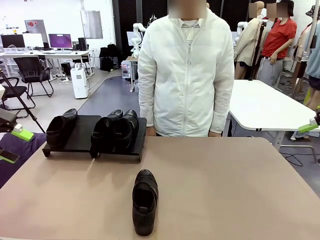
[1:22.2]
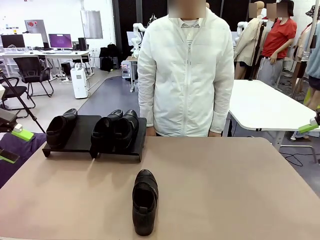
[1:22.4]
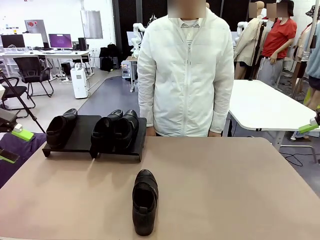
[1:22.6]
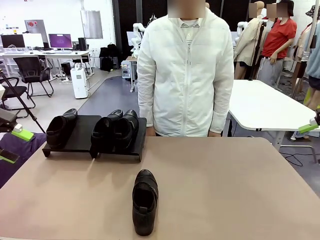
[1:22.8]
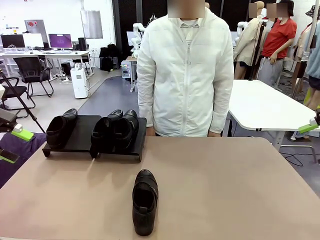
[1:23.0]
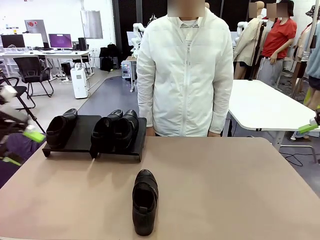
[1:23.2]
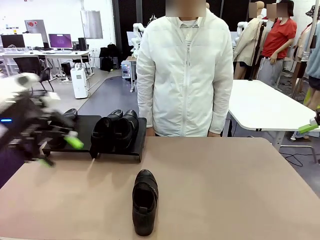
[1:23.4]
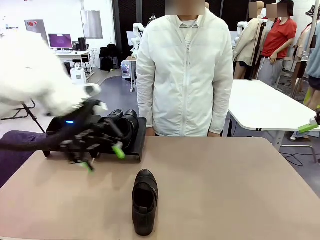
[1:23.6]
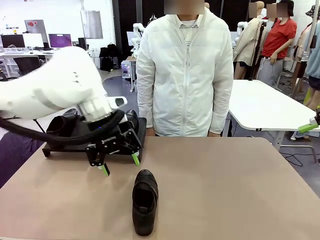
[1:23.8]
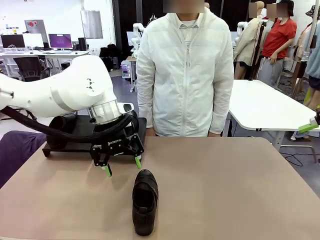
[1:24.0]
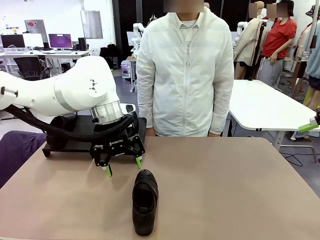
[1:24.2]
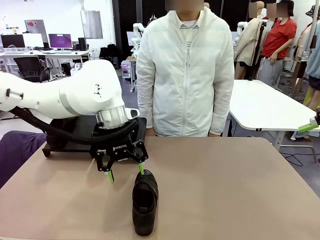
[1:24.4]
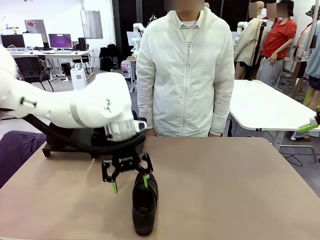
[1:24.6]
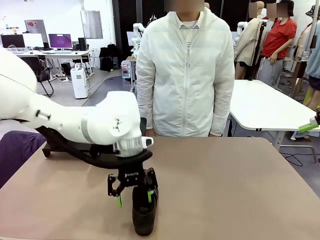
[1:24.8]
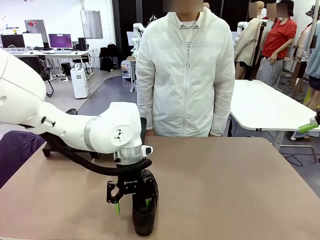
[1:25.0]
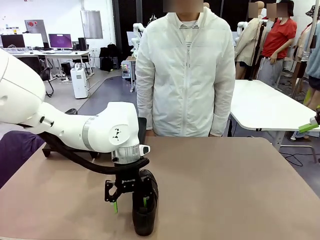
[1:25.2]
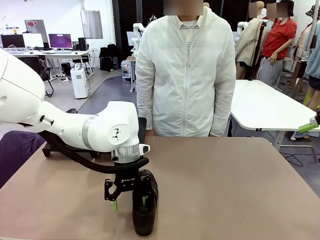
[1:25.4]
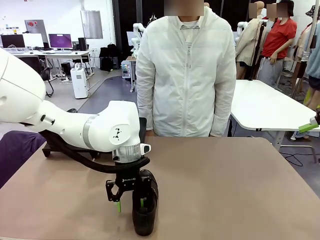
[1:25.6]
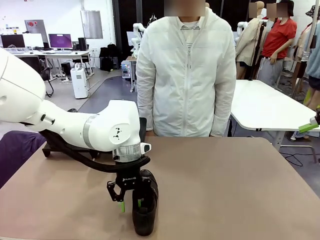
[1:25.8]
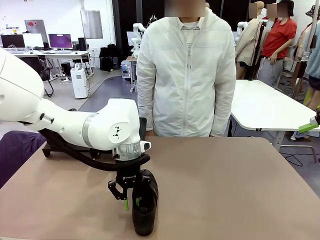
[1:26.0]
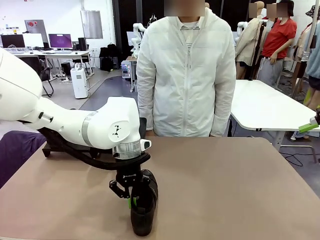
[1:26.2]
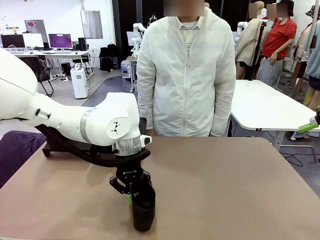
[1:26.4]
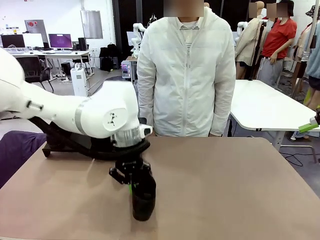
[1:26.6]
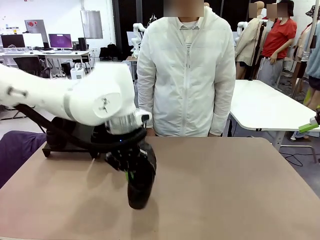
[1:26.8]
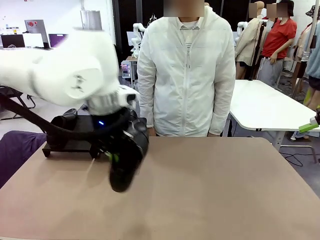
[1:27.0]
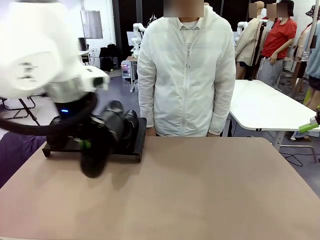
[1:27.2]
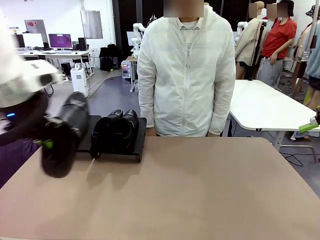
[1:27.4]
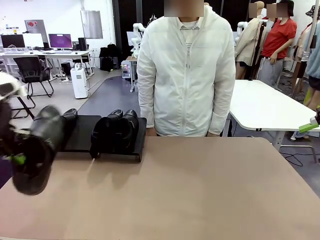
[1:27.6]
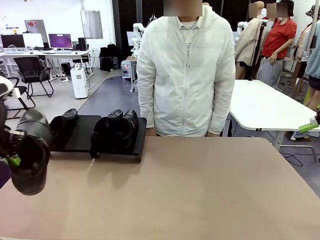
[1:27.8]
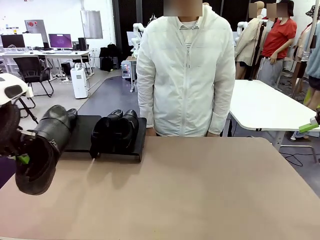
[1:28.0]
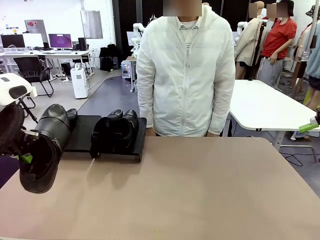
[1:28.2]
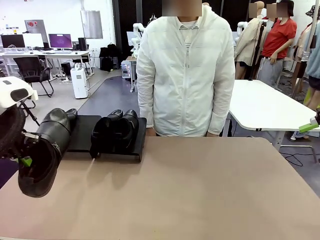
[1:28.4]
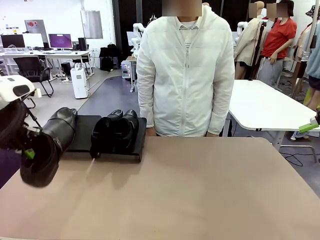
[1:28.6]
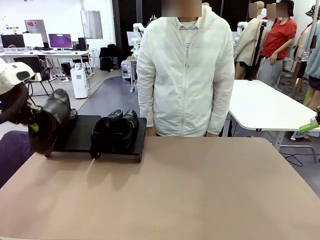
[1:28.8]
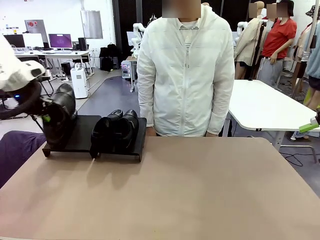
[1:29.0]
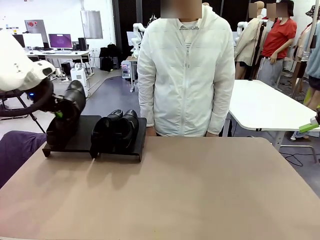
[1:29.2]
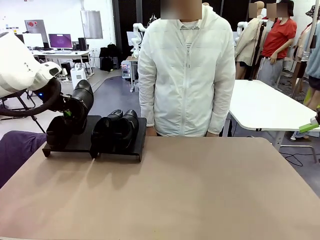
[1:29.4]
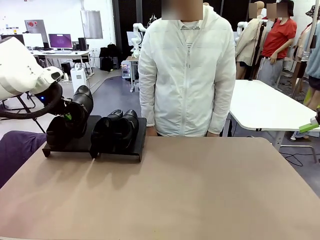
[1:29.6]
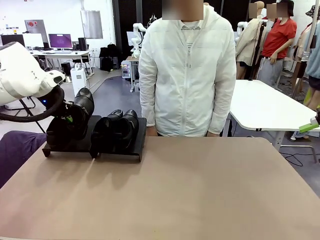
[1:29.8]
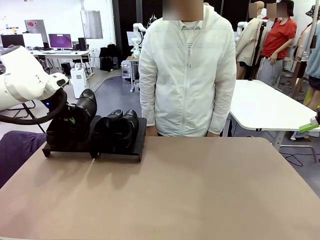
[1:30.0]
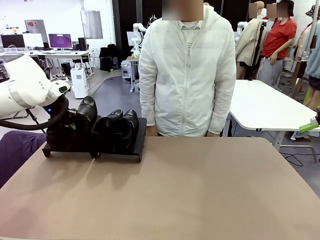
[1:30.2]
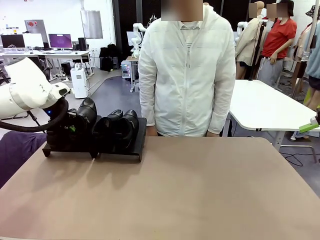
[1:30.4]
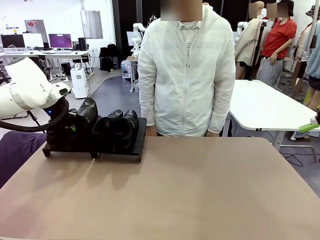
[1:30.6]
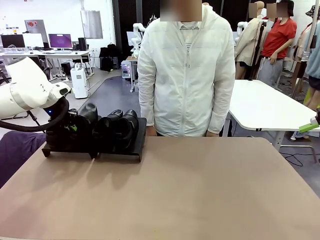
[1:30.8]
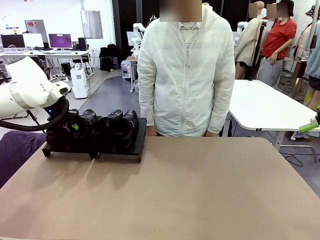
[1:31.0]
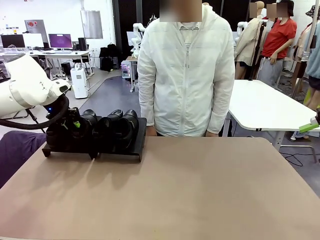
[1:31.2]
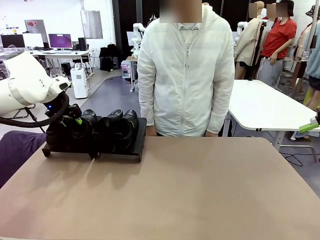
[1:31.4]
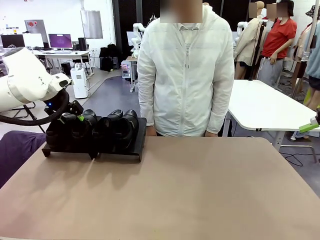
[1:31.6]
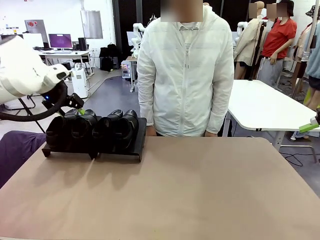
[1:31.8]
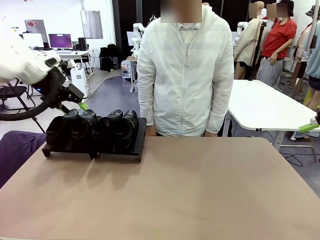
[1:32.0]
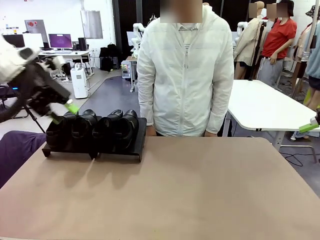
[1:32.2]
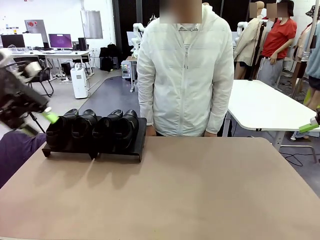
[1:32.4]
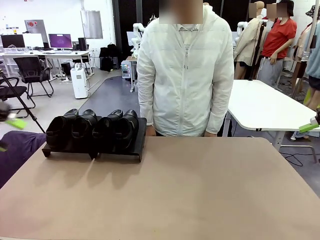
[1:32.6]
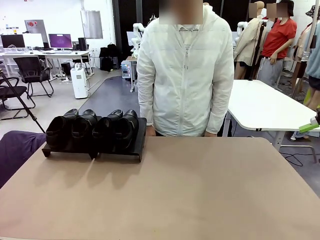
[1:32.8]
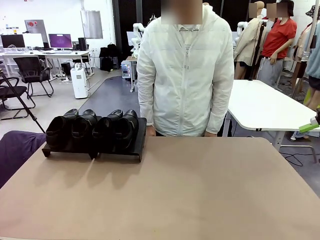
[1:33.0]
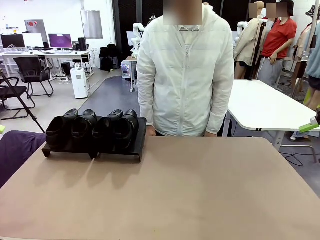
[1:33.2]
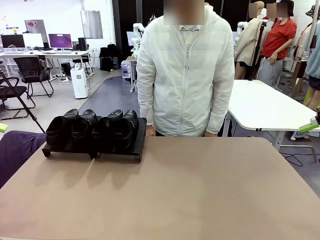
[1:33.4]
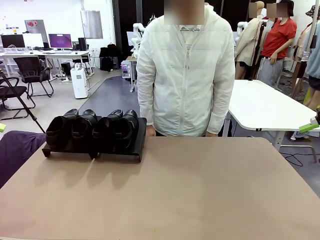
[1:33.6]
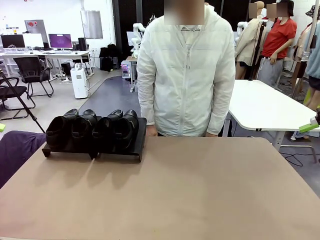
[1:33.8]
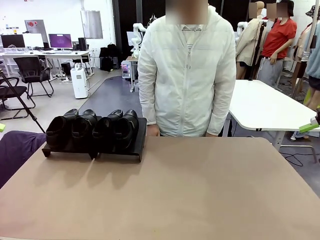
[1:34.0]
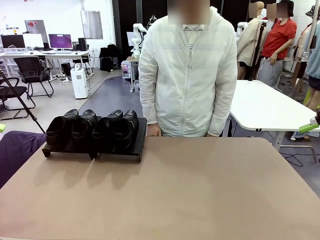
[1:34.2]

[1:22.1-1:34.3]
Task: Organize the shoes by placing them on the stand.
Robot: Place the Shoe from the middle of the table onto the Shoes Stand.

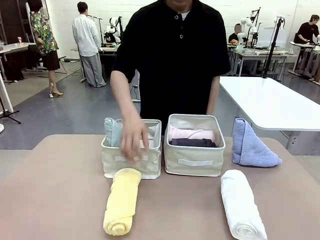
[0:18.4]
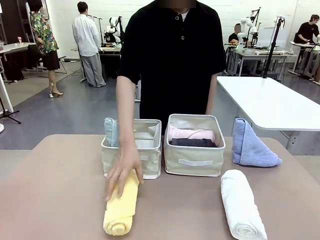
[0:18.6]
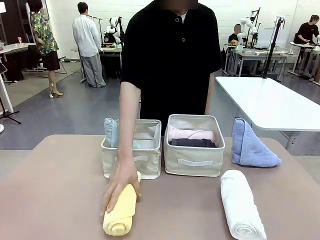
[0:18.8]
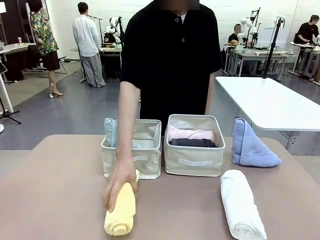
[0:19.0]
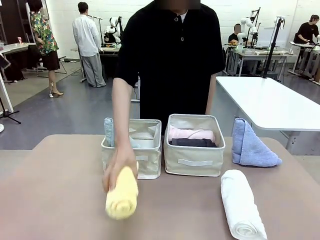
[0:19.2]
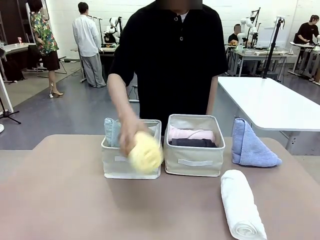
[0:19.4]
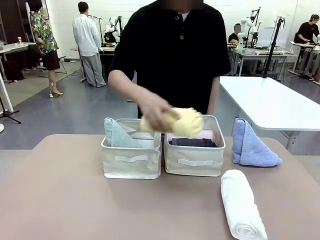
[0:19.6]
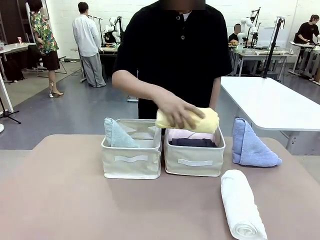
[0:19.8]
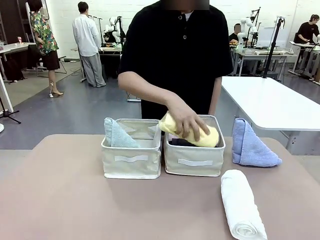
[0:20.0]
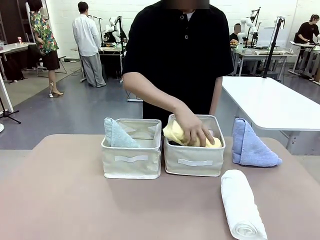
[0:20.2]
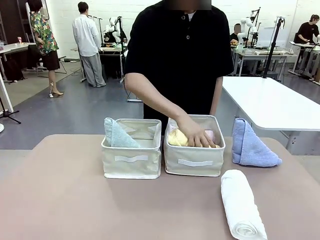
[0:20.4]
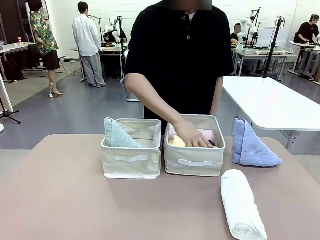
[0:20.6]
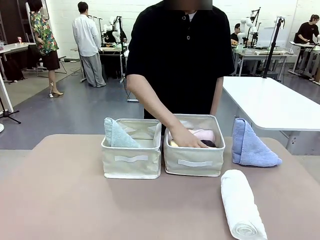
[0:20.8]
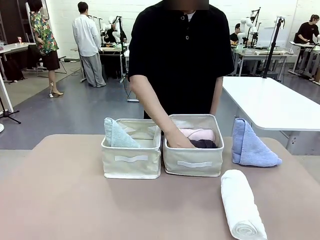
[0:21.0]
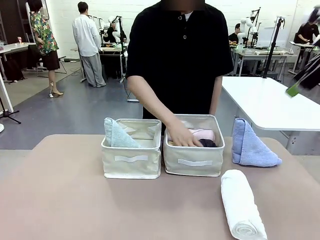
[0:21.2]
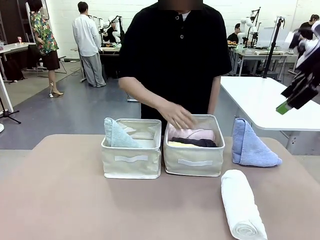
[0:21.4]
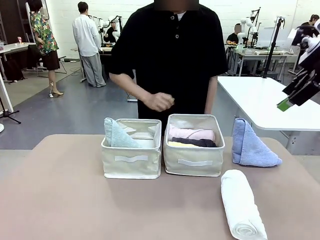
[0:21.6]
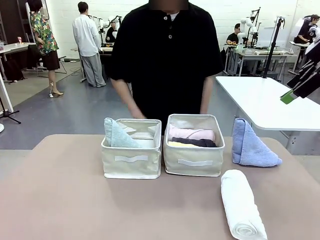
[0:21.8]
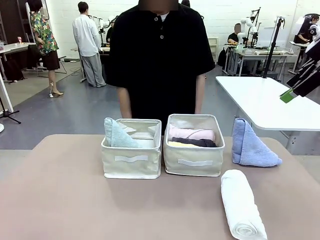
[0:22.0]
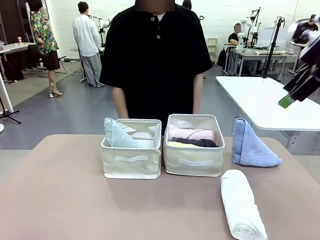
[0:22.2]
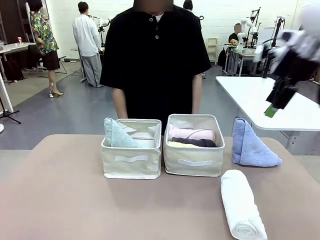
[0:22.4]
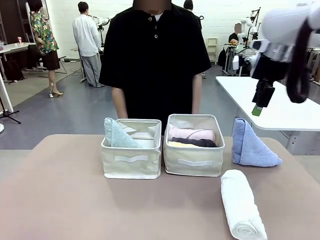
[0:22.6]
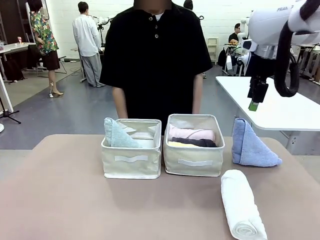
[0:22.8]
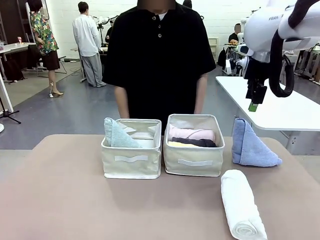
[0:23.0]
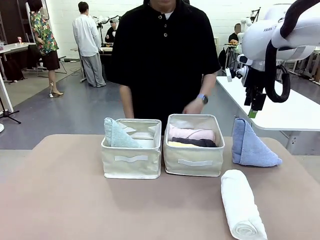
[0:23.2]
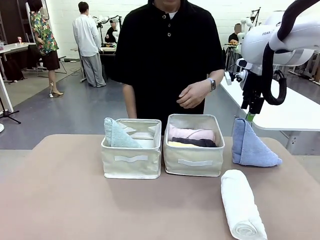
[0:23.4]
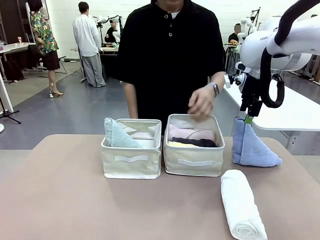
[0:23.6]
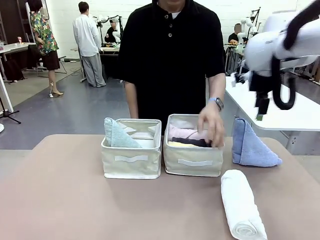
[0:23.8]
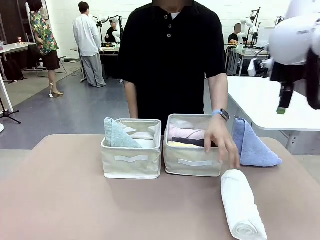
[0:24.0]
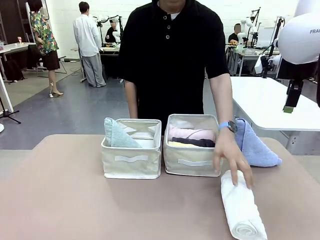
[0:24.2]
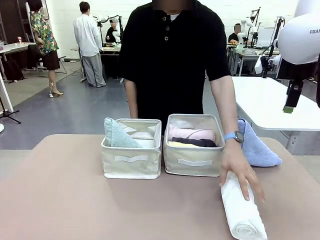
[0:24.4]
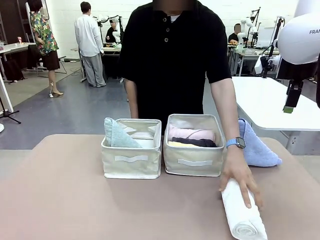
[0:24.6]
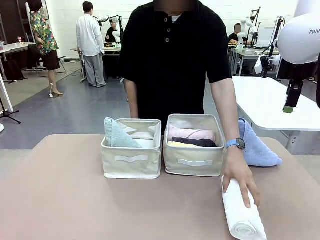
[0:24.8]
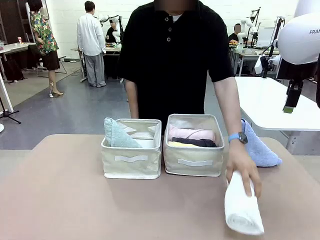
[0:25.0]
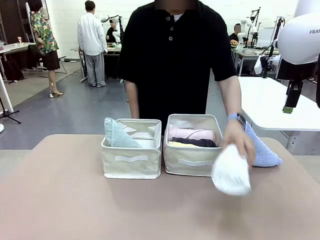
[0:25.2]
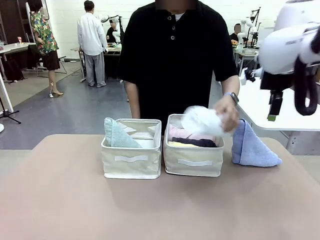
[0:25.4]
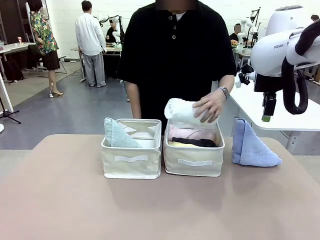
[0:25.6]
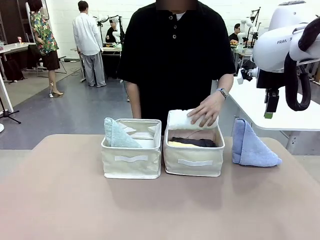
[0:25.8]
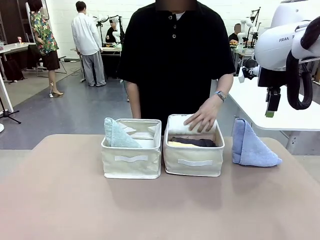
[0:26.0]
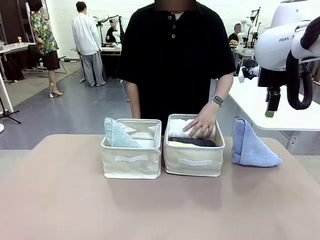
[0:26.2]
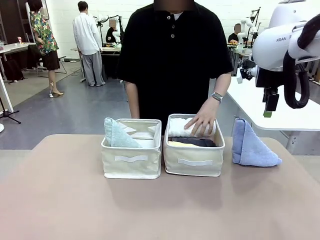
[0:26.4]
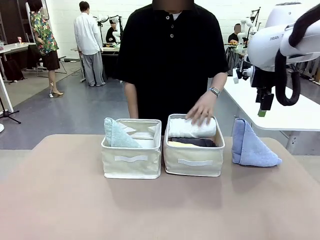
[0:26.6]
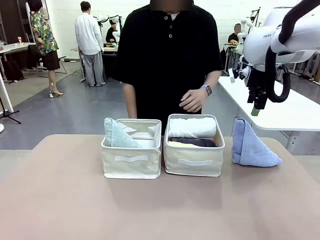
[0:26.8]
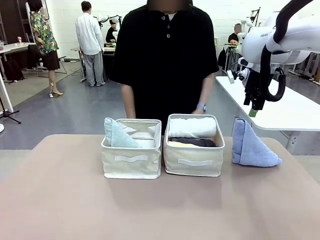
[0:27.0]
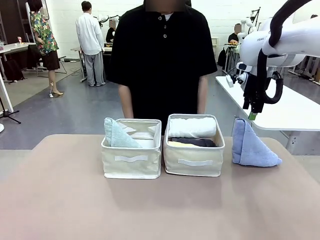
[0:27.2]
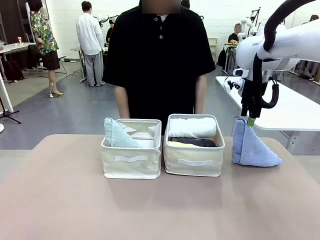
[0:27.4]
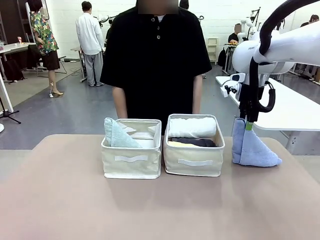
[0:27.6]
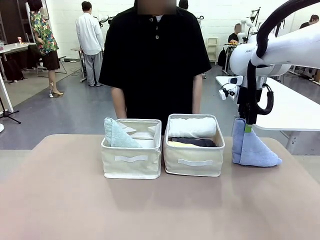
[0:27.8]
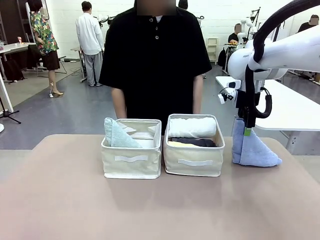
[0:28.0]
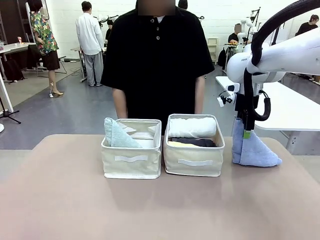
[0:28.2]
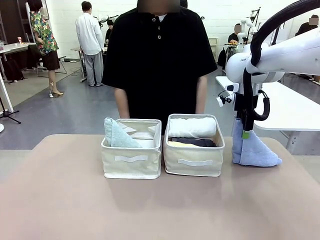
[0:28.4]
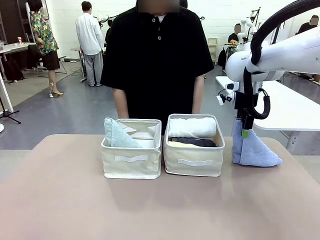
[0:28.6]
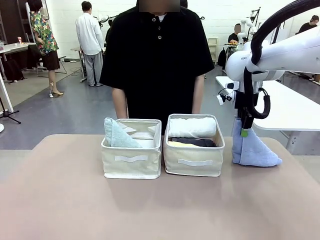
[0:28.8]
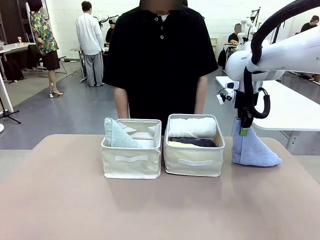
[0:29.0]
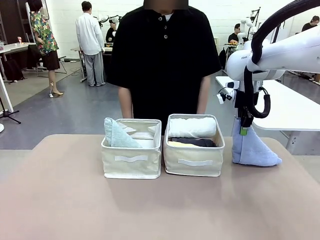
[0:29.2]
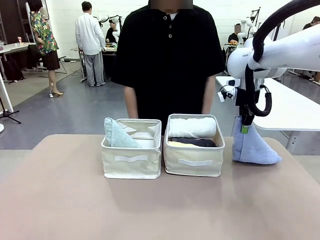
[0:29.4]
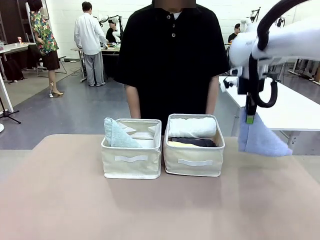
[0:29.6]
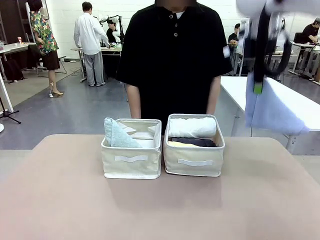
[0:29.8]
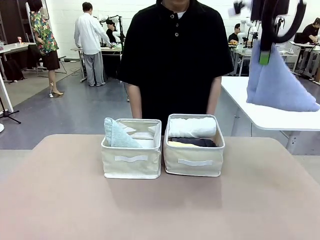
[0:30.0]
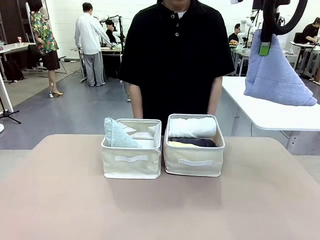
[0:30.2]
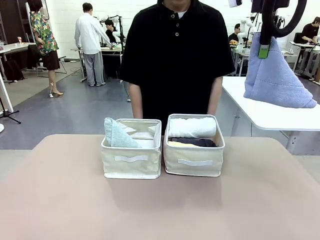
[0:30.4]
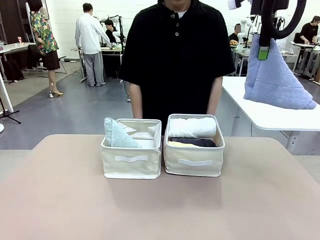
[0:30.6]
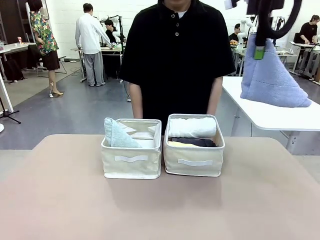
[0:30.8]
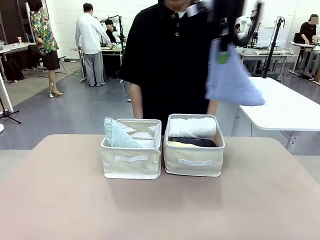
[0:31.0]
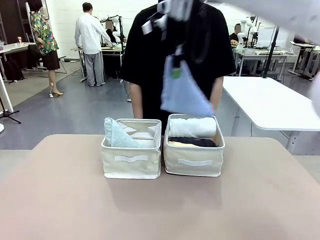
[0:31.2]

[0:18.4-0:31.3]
Task: Sort the towels based on their folding style.
Robot: Pick up another triangle-folded towel from the table and place it in the left Fabric basket.
